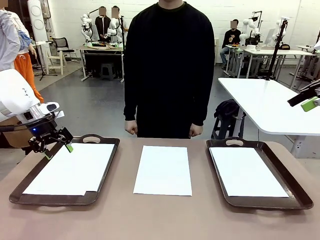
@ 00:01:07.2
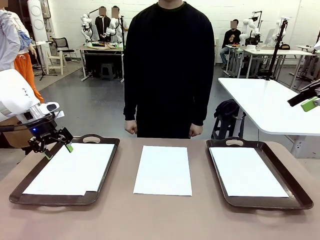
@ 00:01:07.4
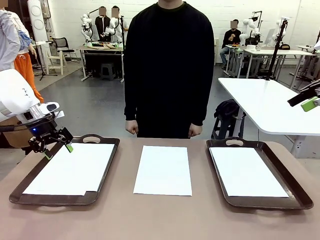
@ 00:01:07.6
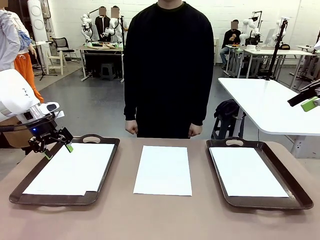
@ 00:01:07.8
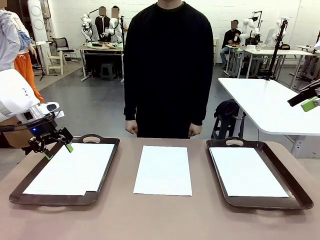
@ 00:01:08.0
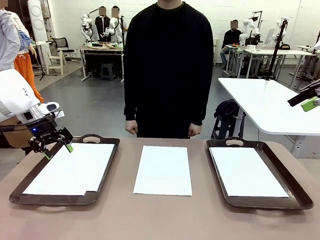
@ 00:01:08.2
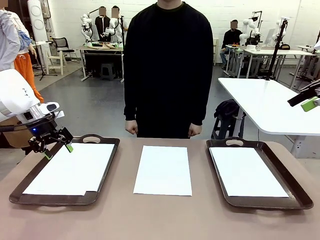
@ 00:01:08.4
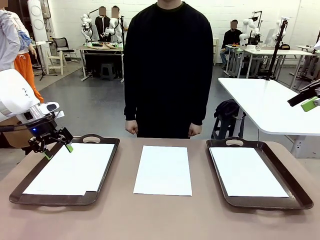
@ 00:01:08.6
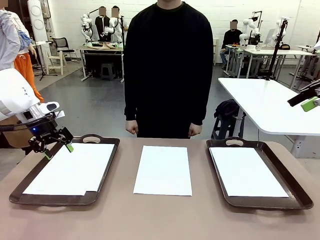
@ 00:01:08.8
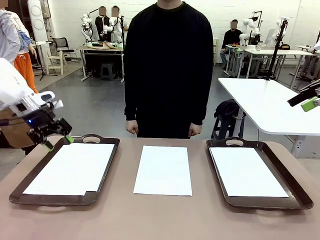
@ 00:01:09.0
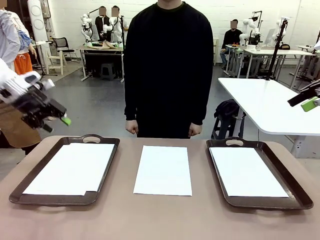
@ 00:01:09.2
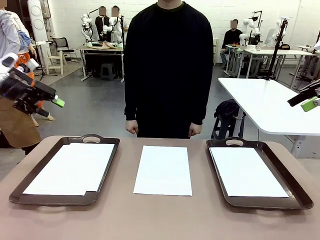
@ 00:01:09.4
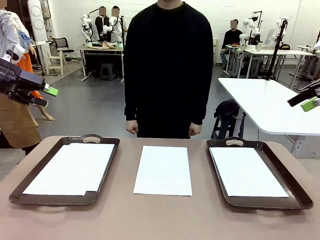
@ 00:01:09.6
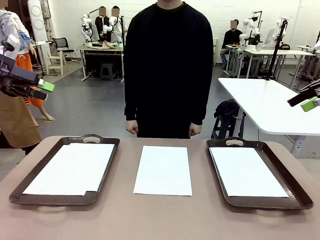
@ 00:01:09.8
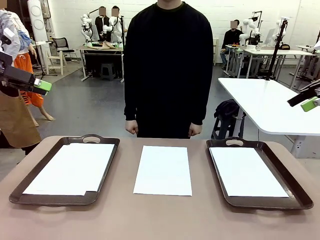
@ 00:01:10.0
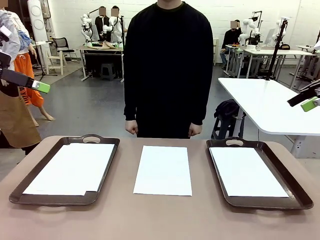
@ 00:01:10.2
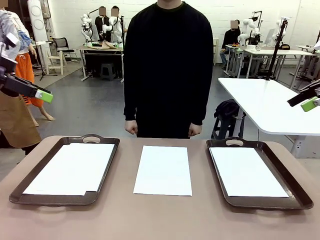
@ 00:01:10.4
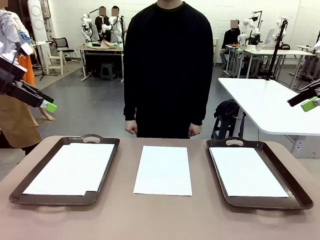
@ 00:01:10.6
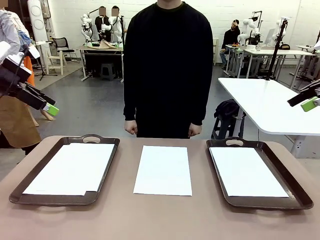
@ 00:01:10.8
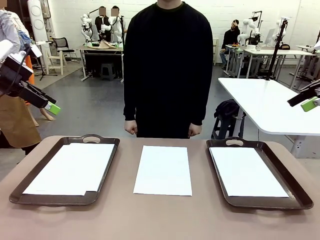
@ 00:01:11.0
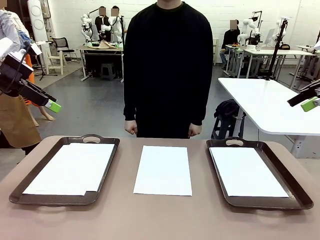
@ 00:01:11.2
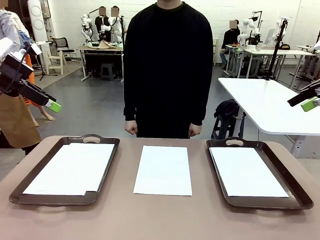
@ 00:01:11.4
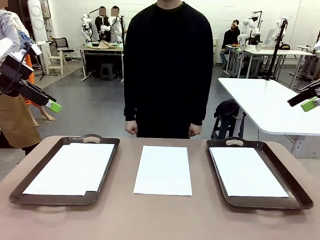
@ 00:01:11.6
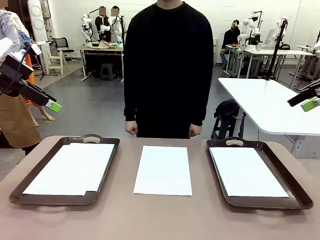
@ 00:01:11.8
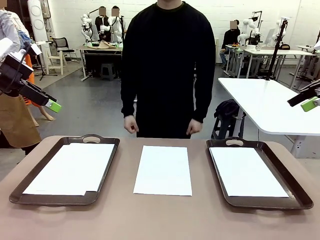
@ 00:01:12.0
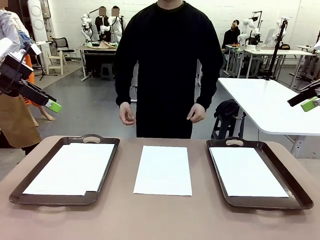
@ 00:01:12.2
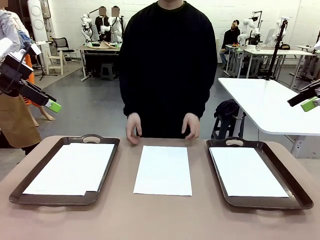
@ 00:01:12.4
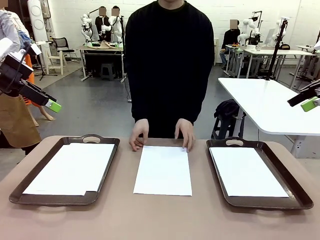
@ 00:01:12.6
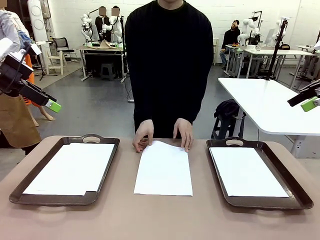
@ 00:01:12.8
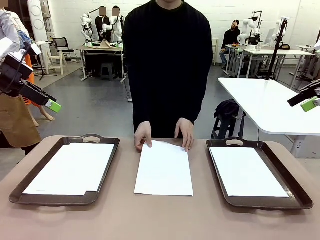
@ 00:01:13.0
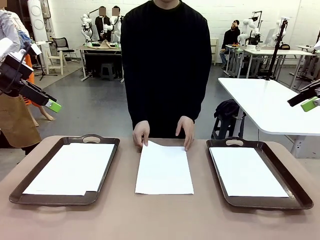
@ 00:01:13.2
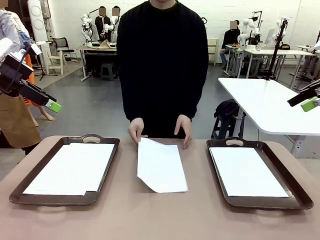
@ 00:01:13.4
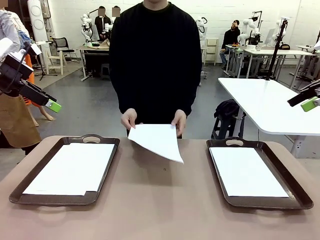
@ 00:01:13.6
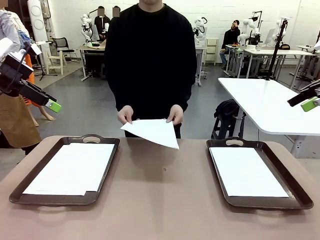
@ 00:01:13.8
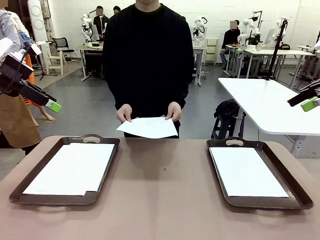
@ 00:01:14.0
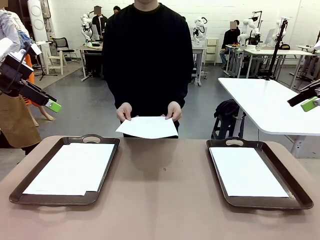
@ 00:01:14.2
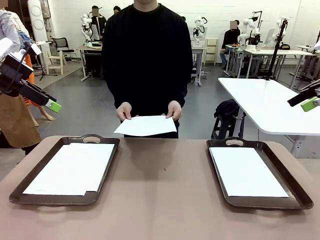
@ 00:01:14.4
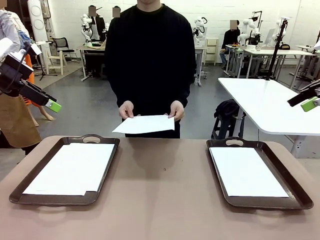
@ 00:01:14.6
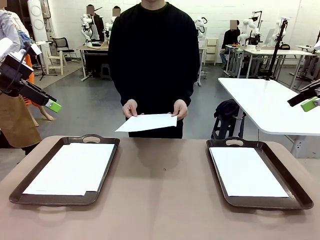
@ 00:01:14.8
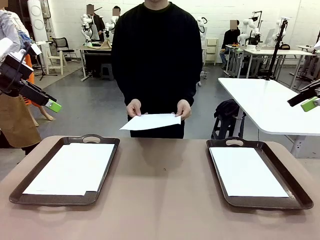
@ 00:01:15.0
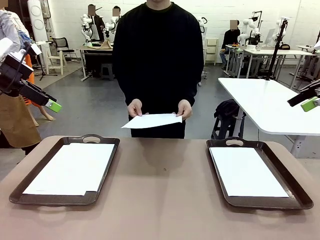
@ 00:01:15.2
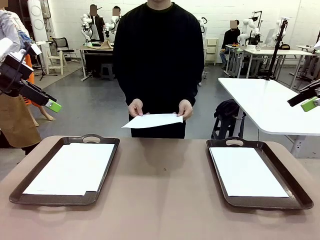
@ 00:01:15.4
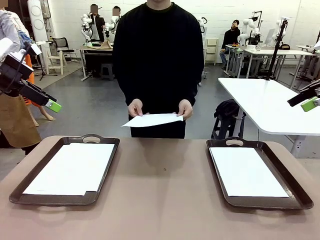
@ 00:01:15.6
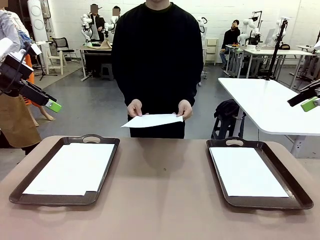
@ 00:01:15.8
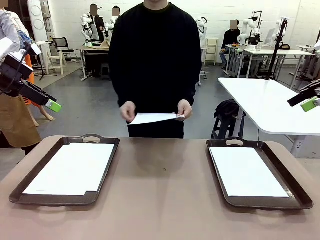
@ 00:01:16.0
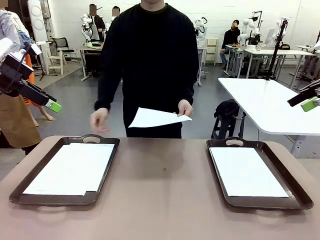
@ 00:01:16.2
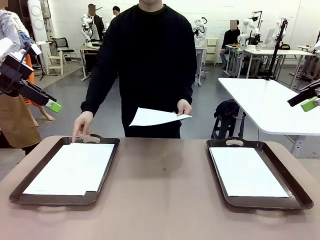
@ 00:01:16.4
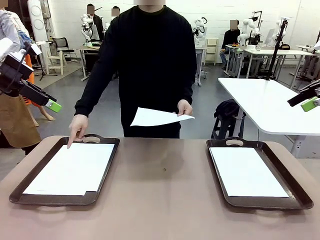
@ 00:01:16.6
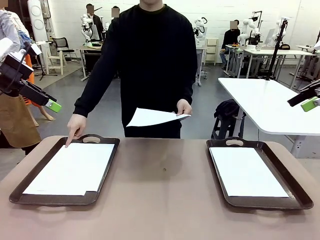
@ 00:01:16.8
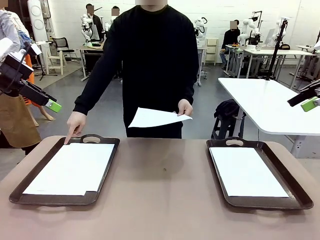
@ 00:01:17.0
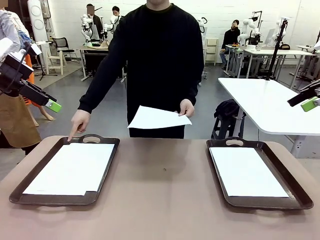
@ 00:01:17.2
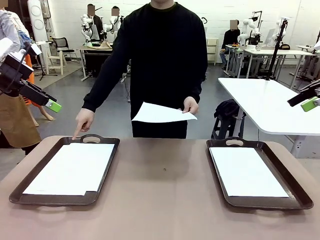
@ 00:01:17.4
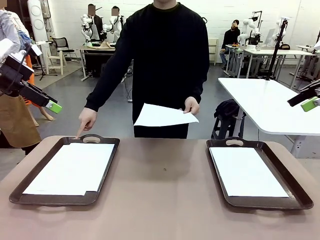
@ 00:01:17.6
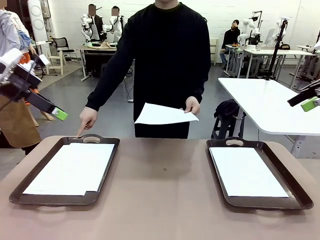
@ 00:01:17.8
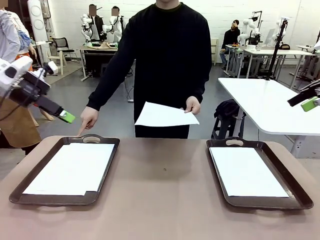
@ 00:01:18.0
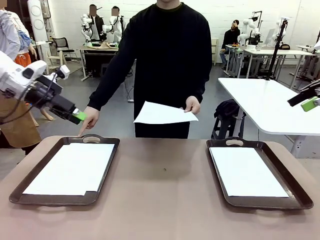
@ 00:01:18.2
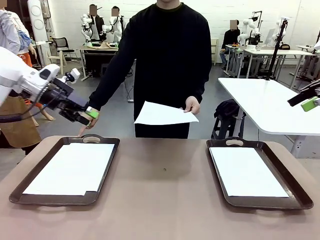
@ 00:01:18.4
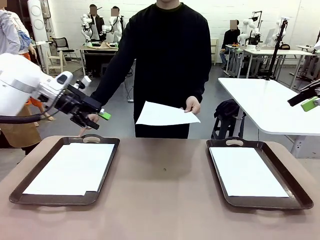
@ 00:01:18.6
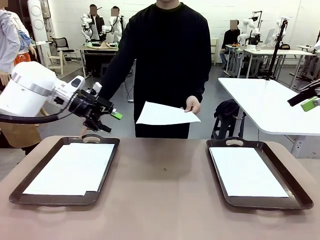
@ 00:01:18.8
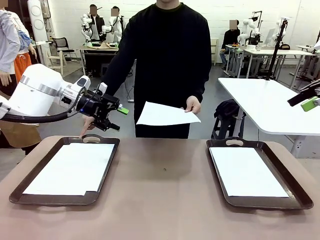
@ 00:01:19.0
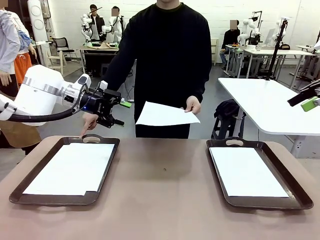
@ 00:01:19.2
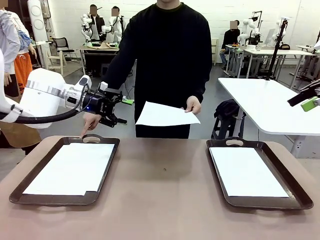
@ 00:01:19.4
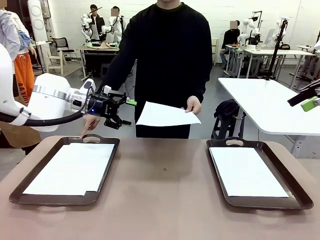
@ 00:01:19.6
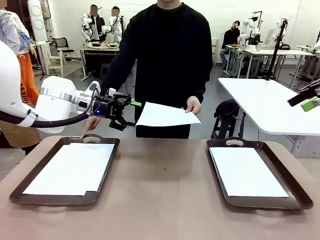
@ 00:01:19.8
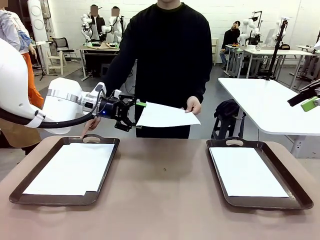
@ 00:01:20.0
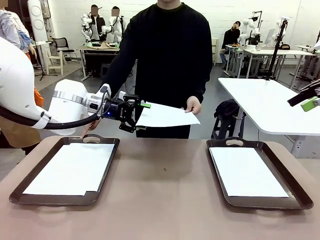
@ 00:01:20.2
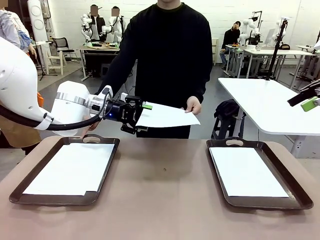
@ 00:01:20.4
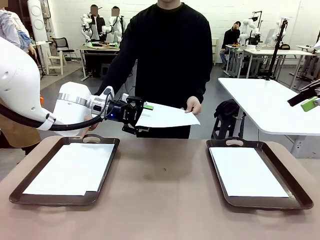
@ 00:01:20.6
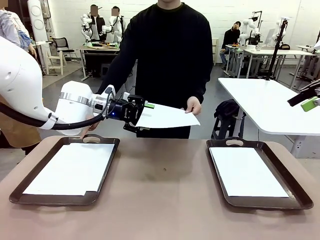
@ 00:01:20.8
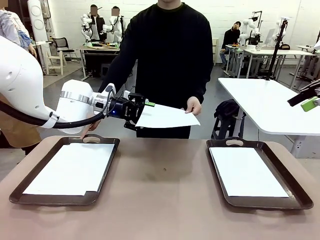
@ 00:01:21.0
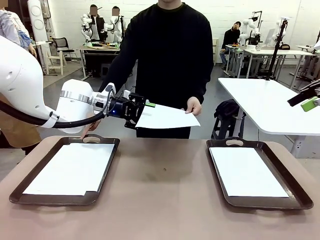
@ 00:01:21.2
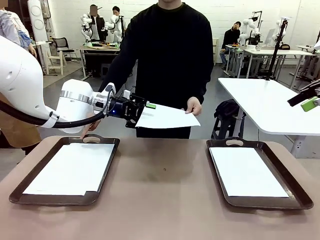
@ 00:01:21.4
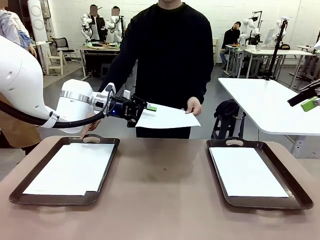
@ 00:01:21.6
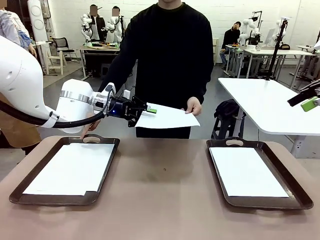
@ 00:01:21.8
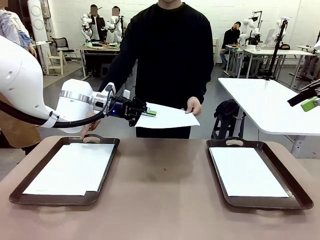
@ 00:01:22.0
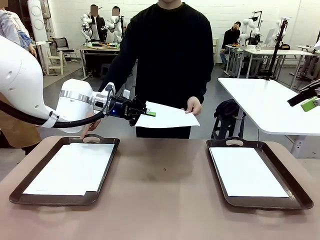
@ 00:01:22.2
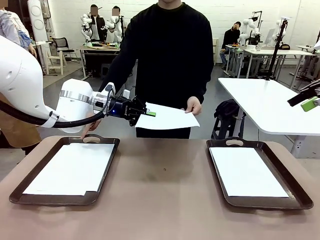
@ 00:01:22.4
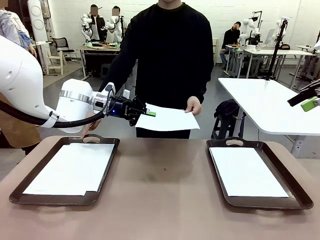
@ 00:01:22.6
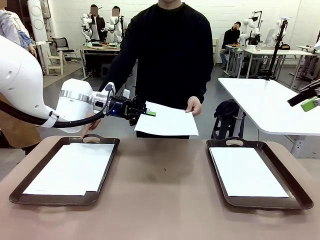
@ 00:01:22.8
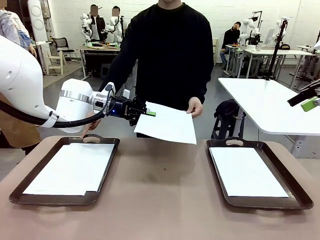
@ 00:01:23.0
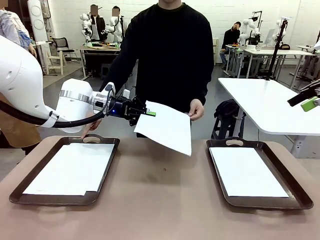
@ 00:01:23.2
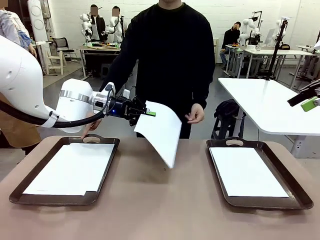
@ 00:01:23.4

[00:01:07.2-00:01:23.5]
Task: Sort the A4 documents.
Robot: Receive the A4 Paper.
Person: Point the randomly selected tray with the other hand.

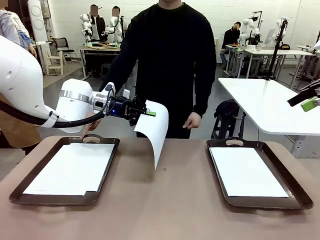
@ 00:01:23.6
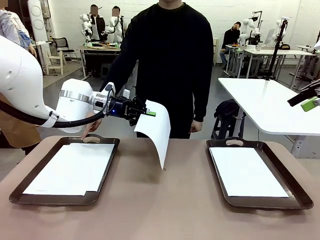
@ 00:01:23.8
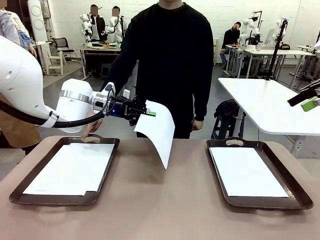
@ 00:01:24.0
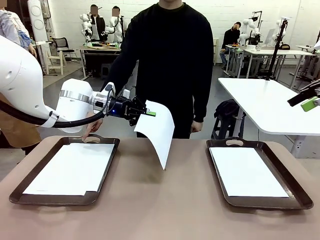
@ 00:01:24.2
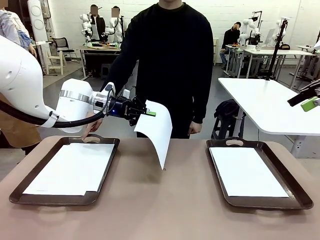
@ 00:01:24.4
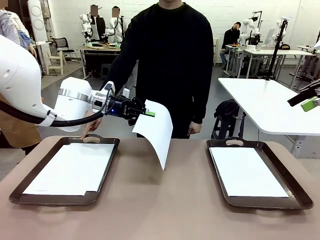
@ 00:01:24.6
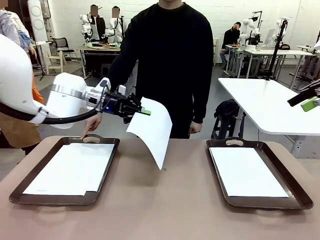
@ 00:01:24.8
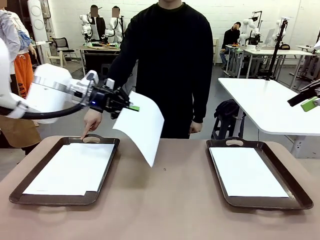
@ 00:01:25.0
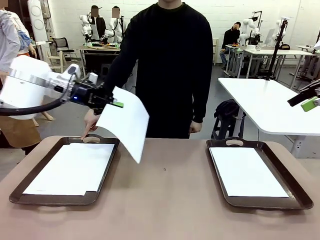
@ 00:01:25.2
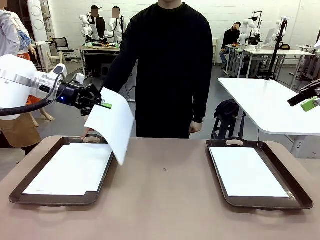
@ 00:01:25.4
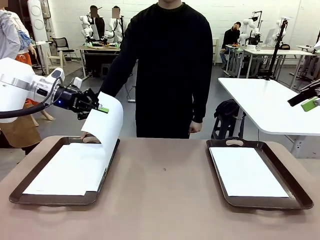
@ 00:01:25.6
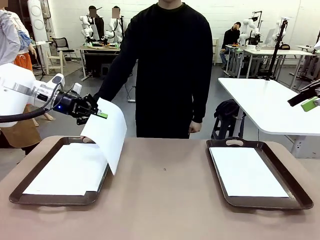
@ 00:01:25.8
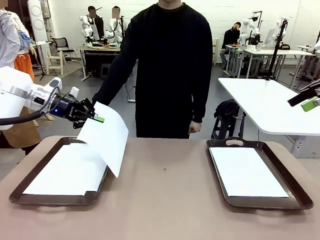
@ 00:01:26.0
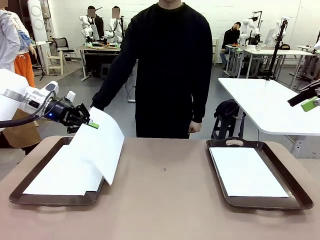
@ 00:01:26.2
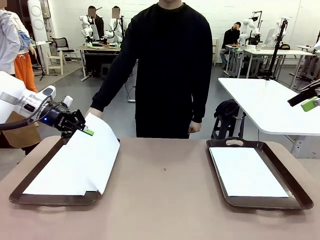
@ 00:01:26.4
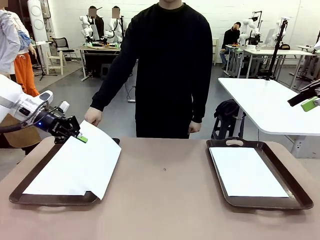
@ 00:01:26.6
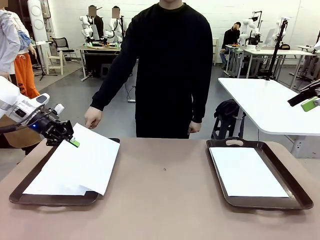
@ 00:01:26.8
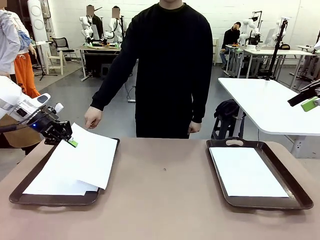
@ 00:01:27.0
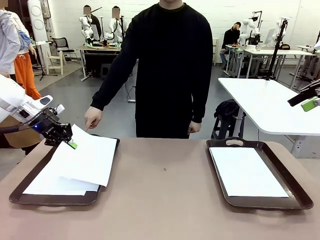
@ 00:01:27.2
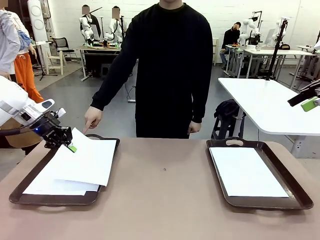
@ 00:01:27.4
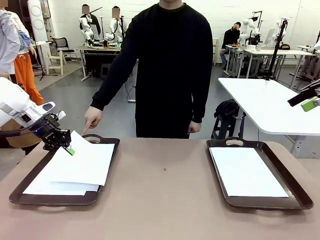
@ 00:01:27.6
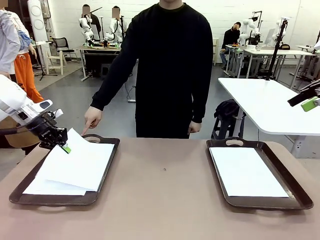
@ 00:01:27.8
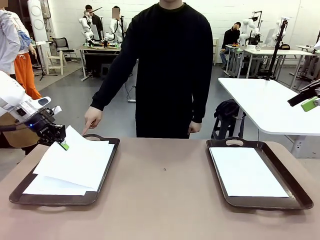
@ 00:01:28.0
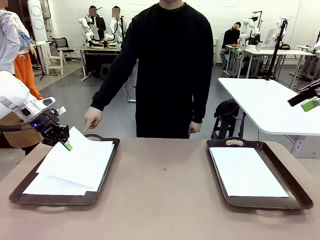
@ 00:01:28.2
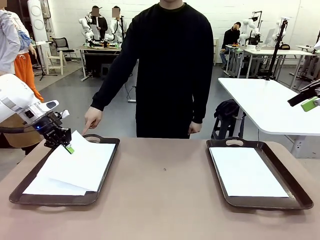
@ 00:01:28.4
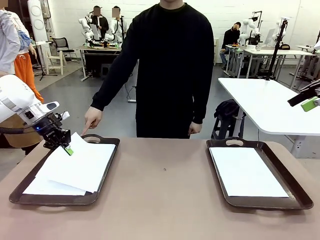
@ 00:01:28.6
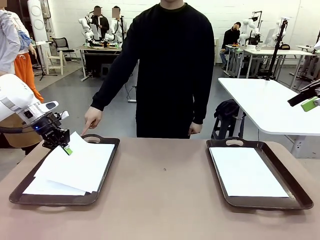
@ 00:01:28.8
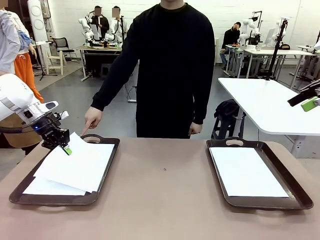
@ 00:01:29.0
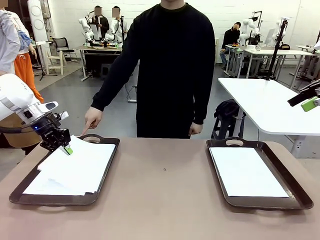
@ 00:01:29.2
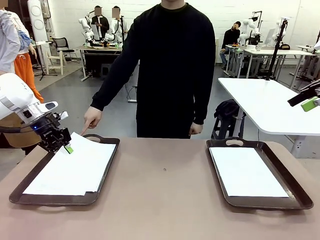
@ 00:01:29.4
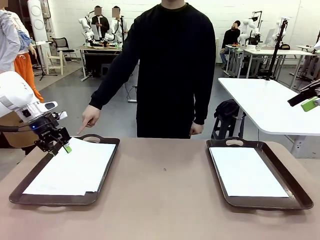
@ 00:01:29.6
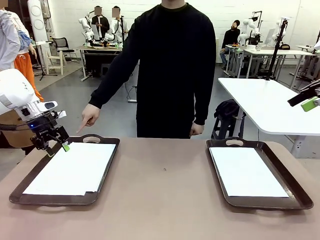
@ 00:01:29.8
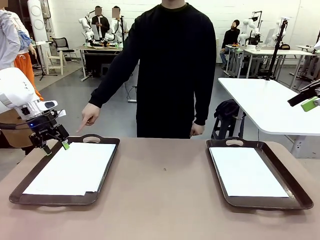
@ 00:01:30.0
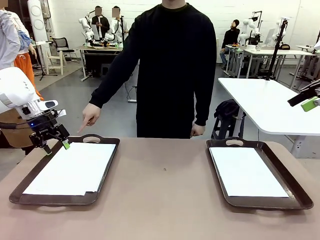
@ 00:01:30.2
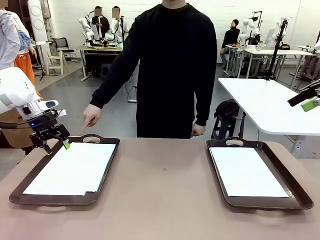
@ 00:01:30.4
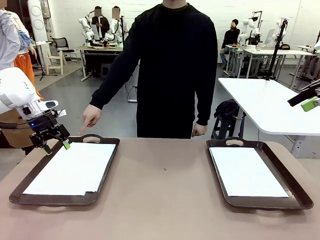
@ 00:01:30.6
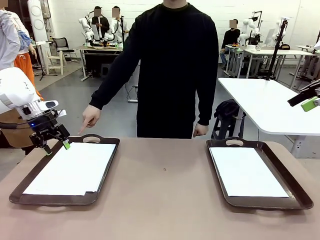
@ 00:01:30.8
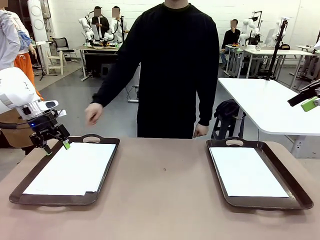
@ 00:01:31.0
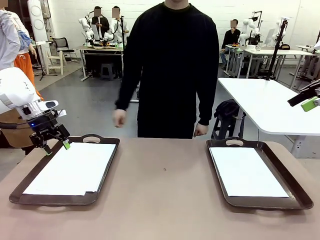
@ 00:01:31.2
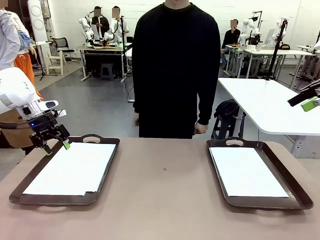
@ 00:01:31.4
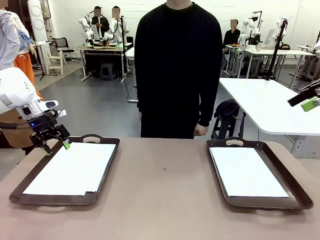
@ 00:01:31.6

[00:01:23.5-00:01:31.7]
Robot: Place the A4 Paper in the designated Handle tray.
